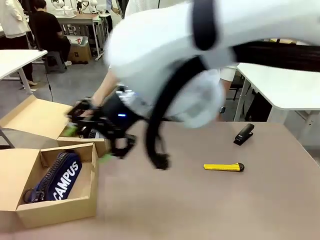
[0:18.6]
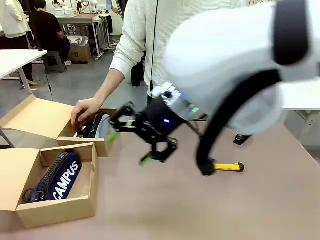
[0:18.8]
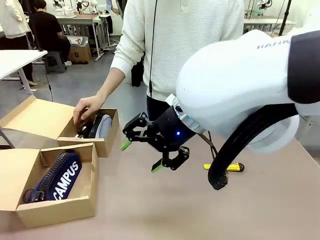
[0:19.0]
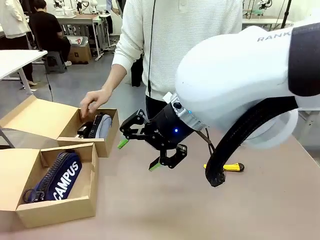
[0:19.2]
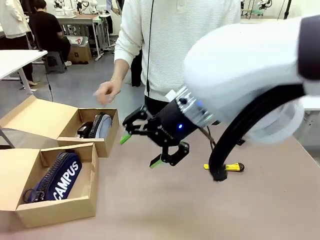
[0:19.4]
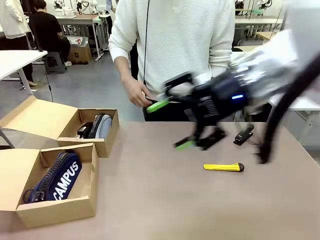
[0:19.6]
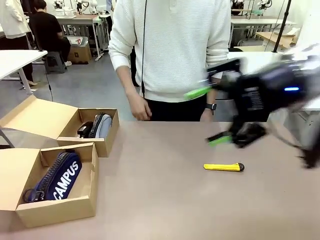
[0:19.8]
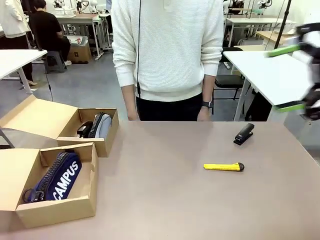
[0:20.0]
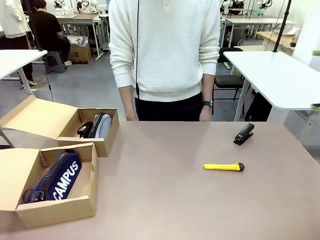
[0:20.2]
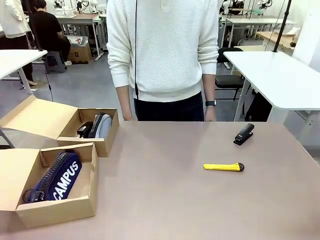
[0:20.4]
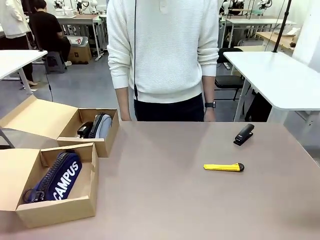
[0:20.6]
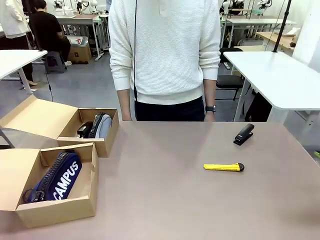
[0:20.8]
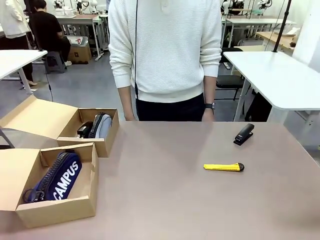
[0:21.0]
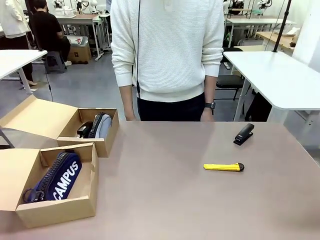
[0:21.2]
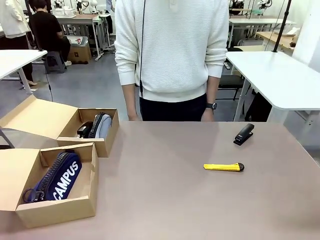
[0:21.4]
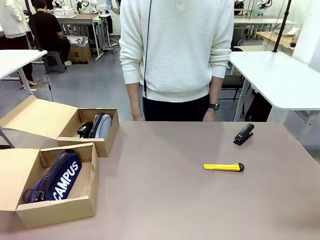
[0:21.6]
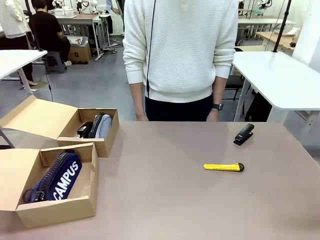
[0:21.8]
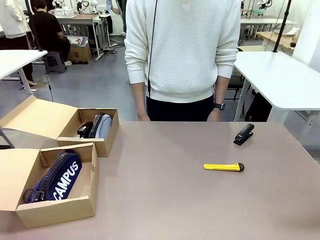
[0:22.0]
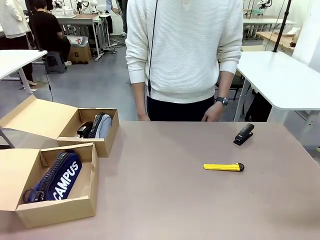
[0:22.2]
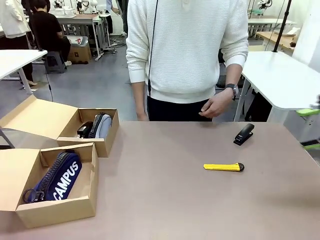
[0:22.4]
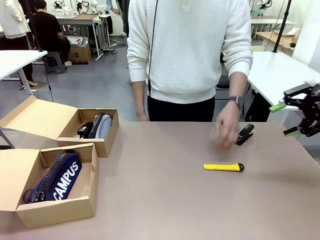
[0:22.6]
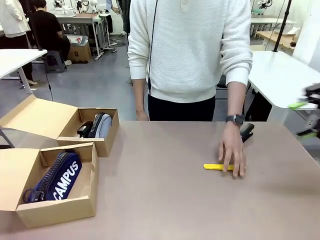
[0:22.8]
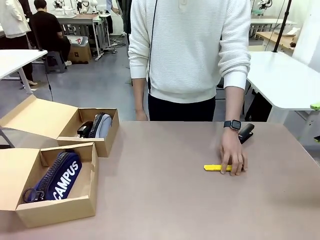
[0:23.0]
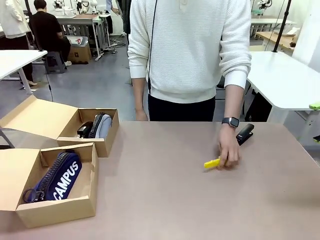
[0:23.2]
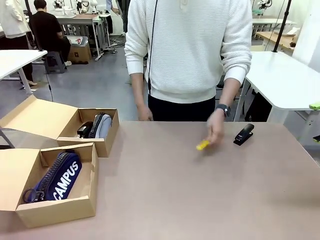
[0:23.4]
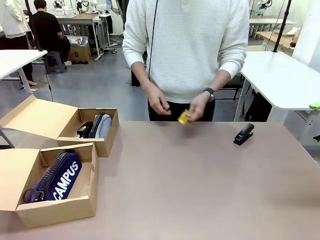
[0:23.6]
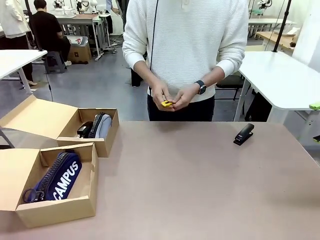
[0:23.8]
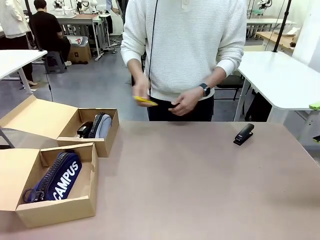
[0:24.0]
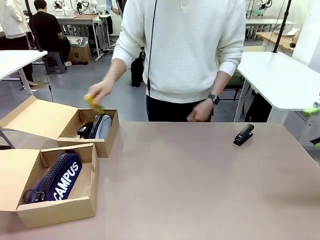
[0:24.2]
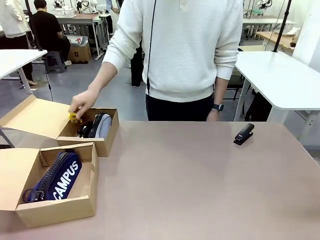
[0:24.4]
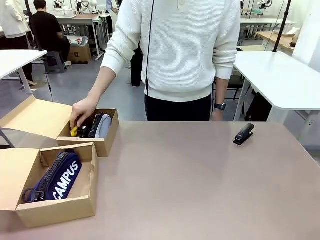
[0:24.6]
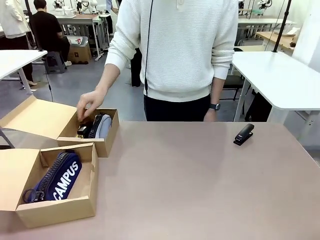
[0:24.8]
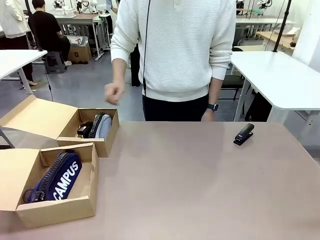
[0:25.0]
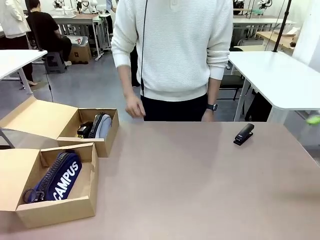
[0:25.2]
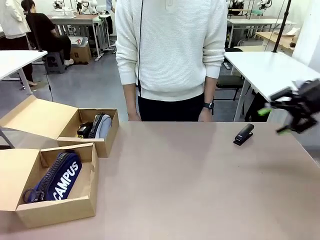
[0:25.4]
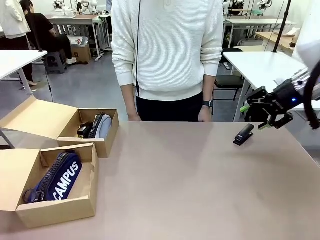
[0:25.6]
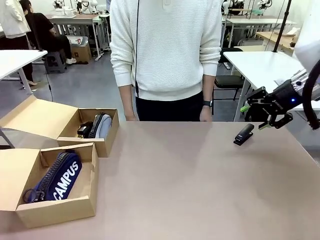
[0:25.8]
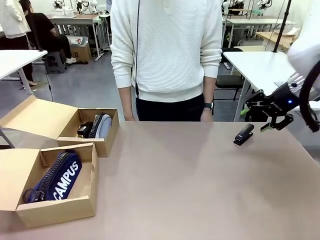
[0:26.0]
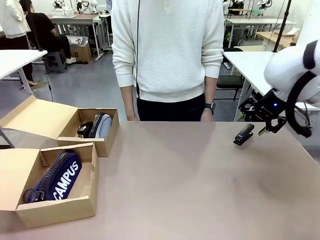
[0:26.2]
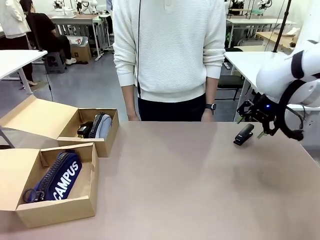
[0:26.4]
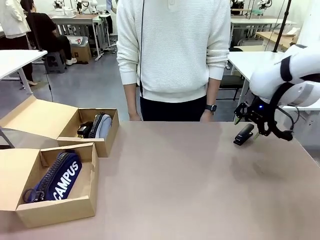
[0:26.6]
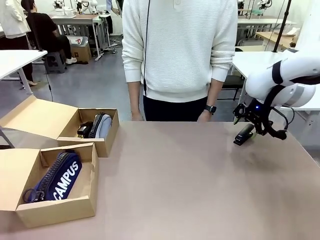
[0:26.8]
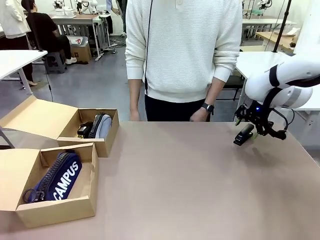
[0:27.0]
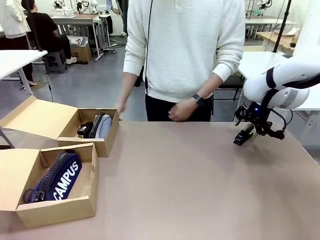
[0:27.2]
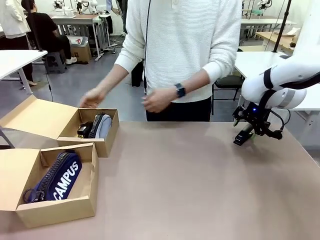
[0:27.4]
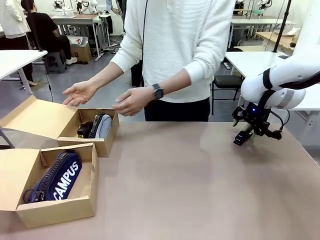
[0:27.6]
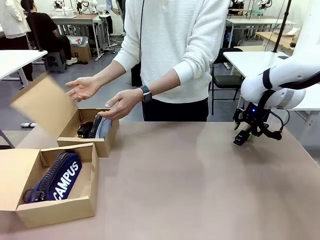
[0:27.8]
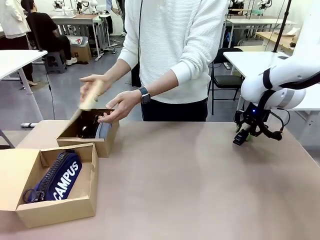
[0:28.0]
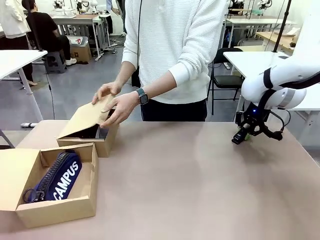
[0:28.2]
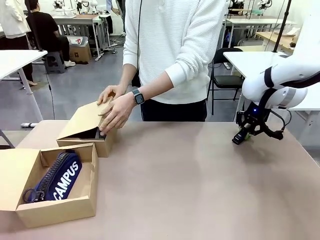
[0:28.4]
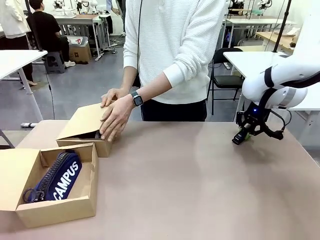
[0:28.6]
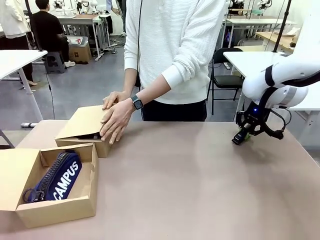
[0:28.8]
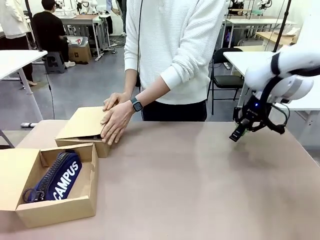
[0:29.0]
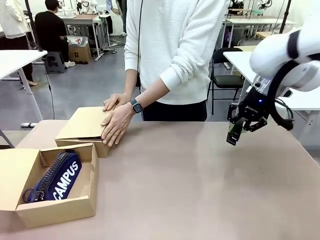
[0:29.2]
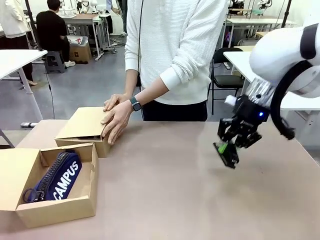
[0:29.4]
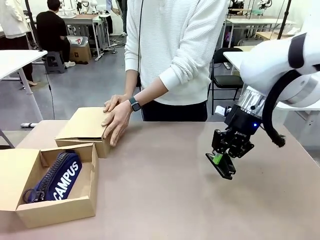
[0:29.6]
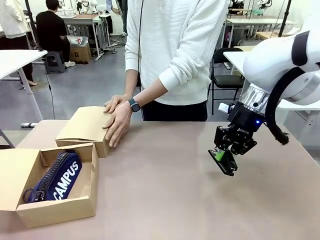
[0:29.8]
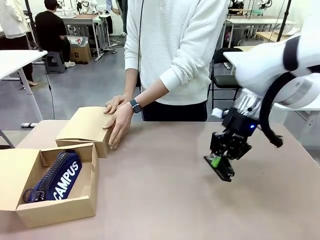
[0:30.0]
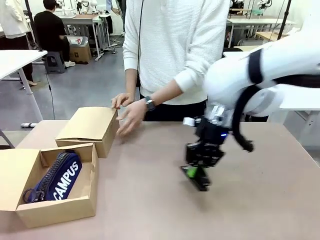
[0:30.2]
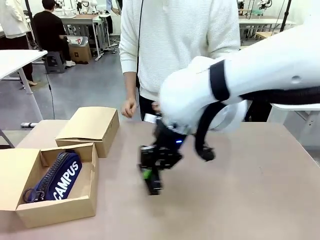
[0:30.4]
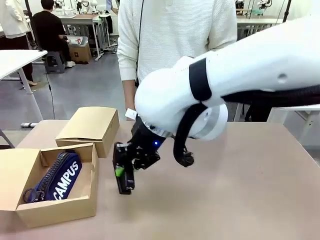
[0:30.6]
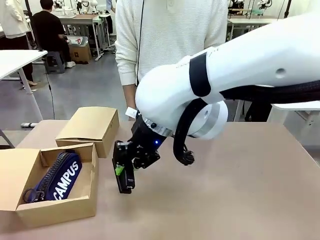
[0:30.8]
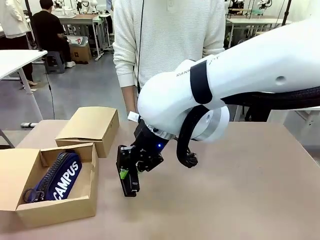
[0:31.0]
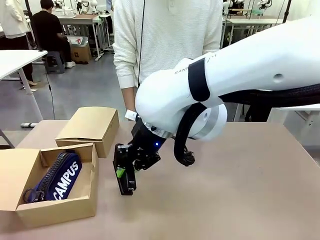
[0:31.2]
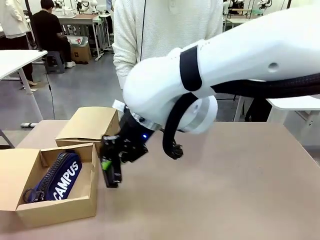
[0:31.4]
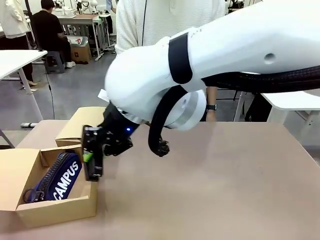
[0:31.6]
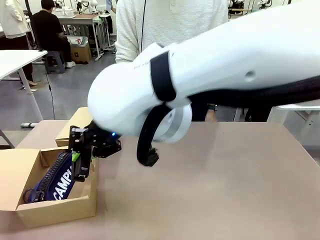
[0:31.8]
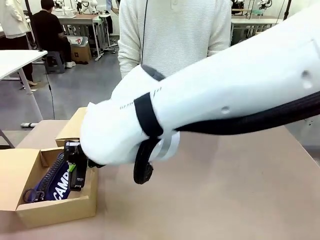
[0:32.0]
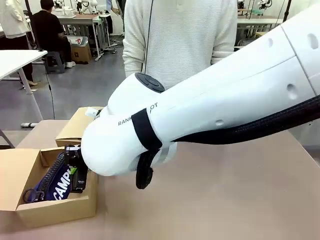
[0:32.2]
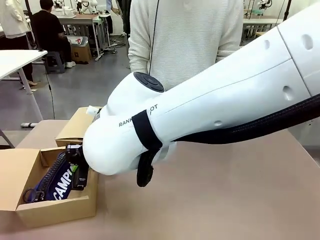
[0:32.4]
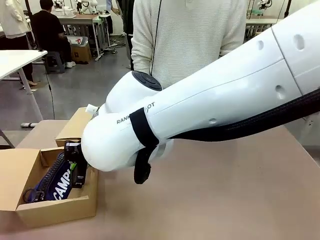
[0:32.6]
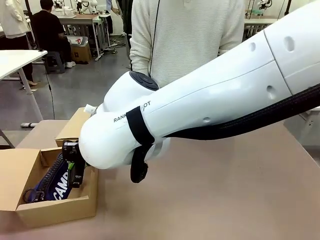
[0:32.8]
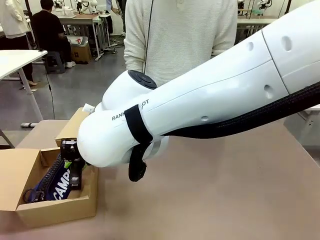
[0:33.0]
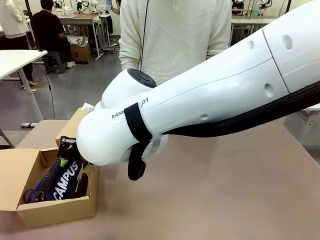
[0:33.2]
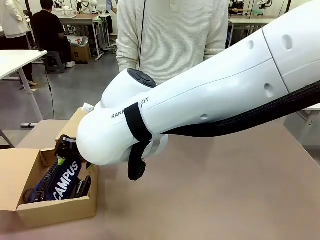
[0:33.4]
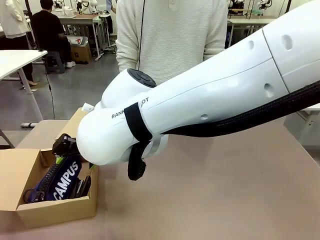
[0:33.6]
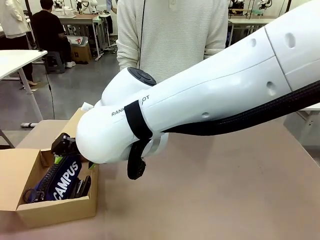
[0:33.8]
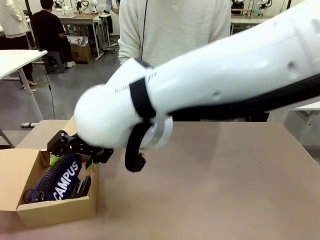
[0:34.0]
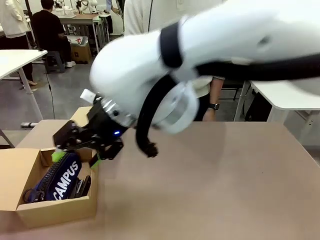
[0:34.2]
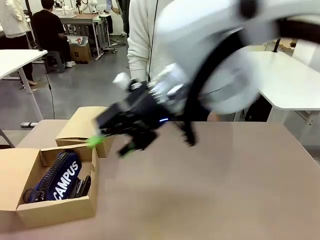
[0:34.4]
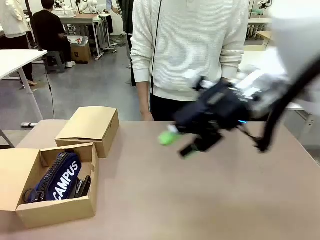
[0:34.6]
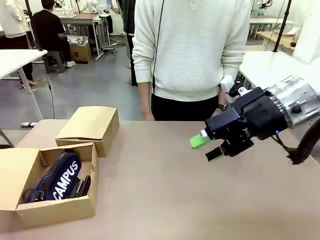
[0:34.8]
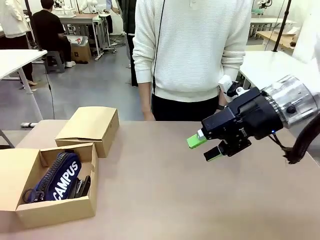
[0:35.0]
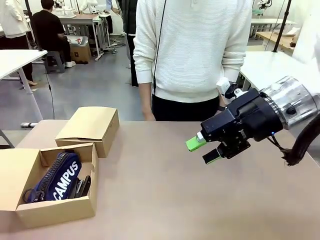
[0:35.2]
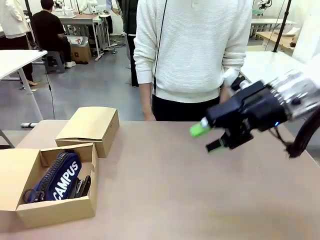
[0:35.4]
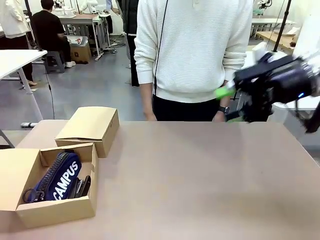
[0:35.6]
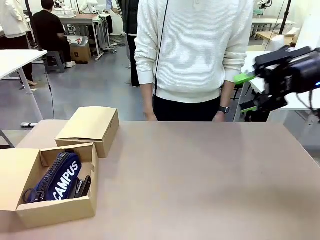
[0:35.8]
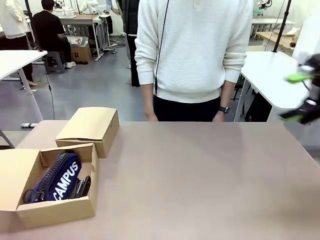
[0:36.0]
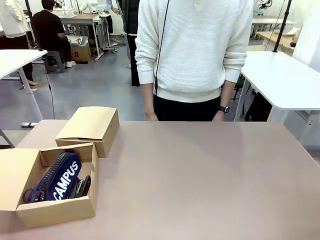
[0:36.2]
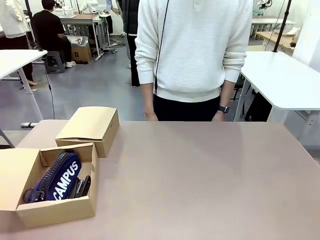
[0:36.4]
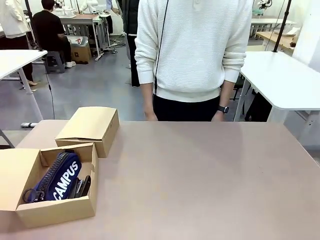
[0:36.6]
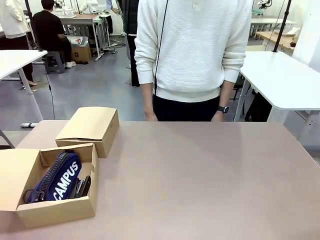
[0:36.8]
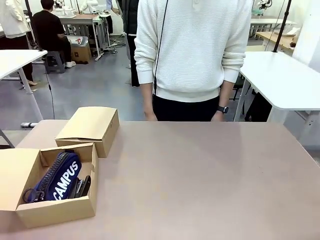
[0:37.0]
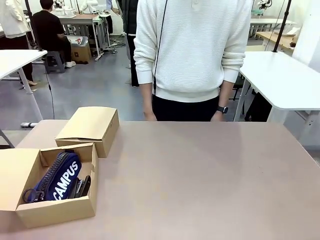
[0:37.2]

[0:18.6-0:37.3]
Task: Place items inside the box.
Robot: Pick up a Pencil pouch or Stapler and place it inside the Mailer Box closest to the robot.
